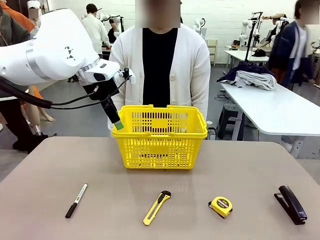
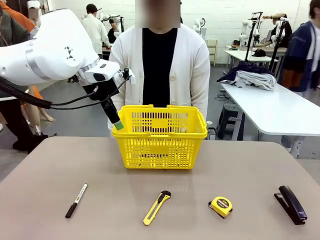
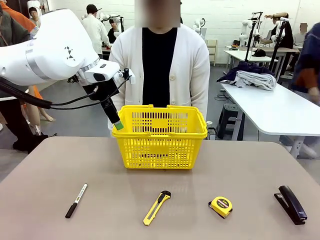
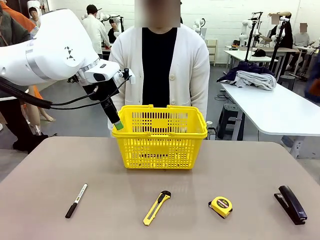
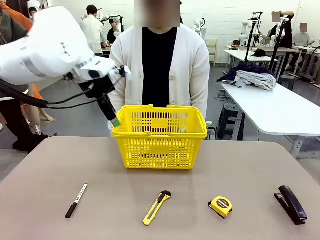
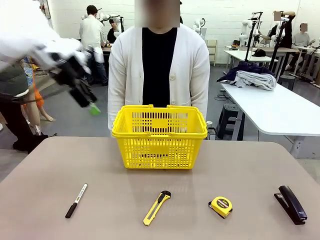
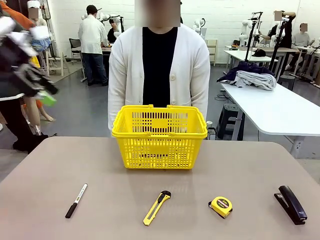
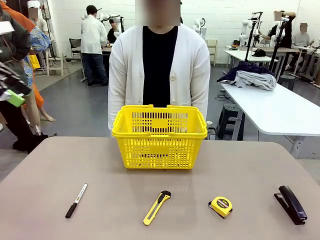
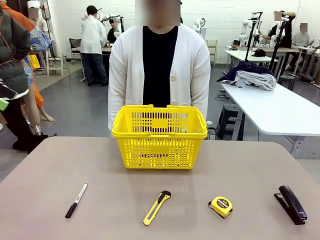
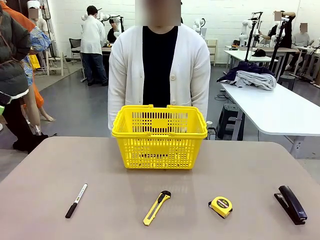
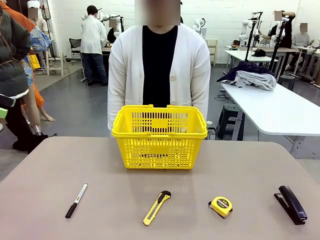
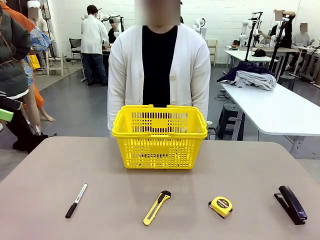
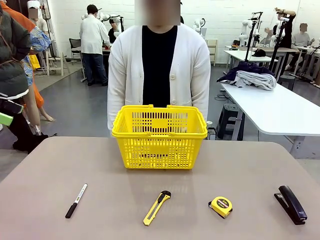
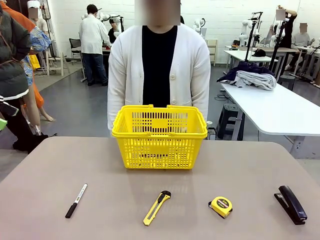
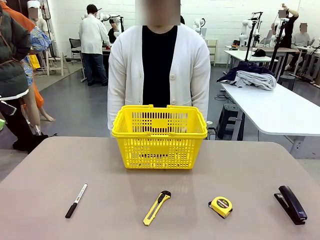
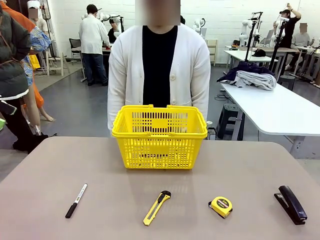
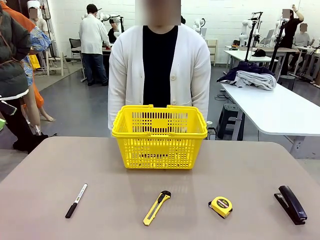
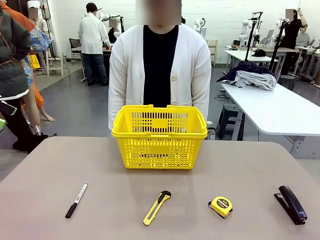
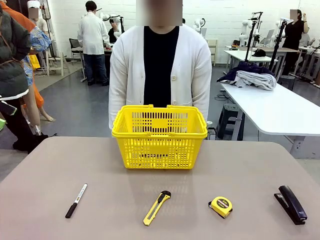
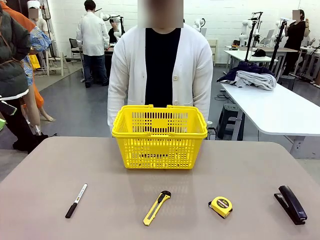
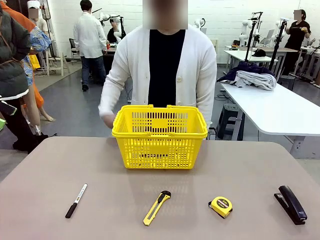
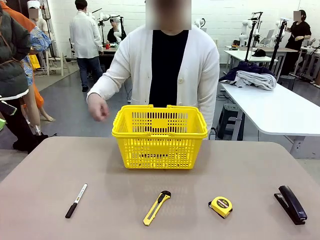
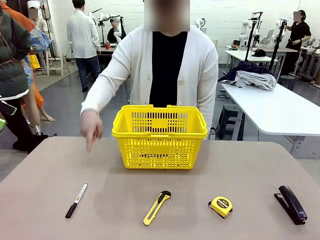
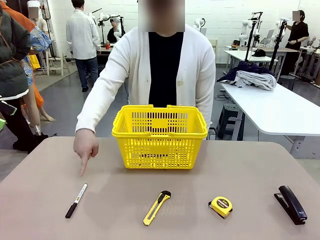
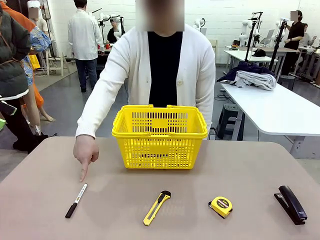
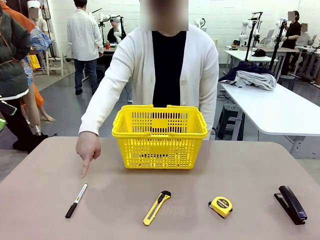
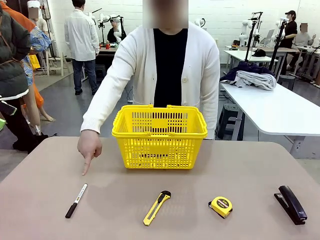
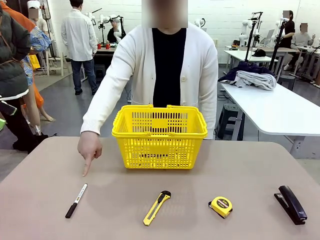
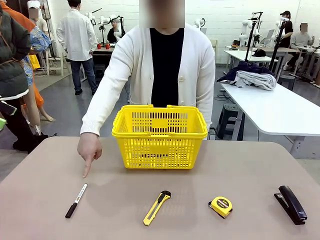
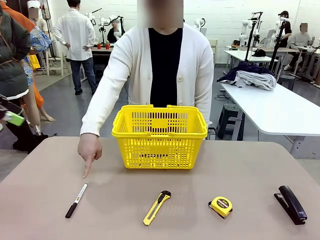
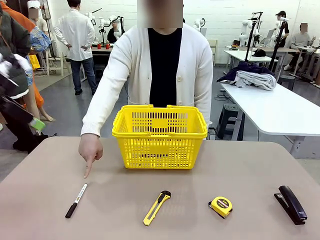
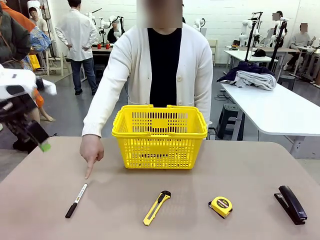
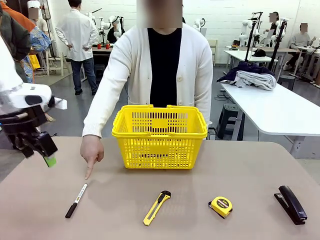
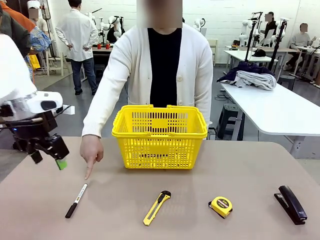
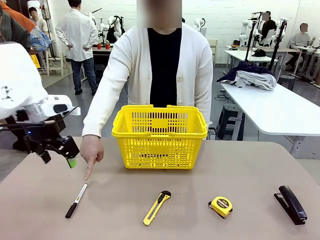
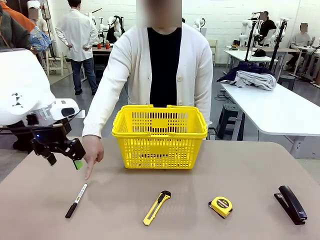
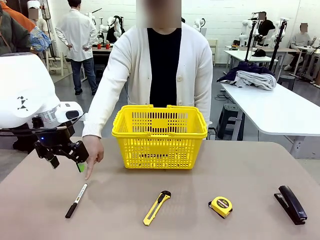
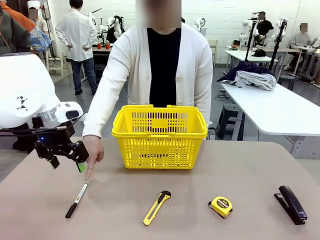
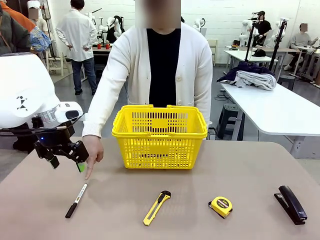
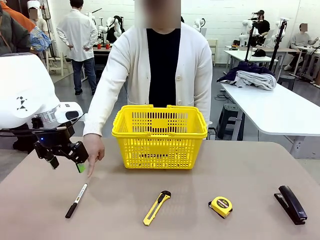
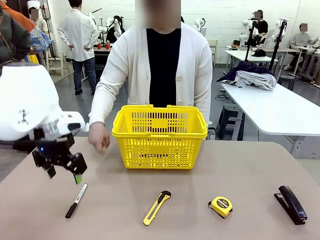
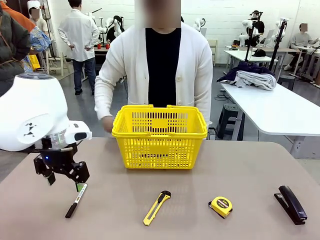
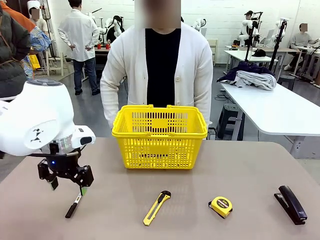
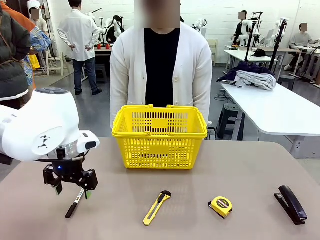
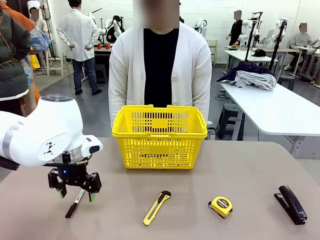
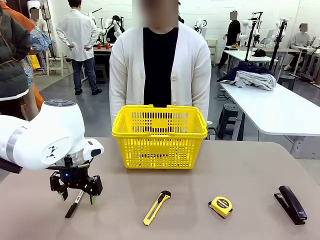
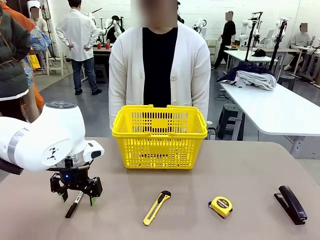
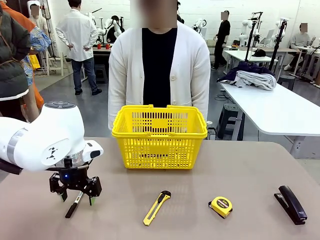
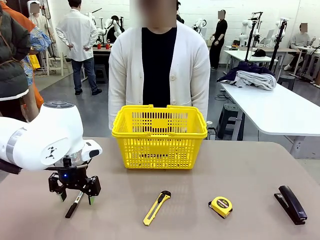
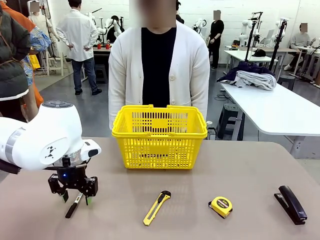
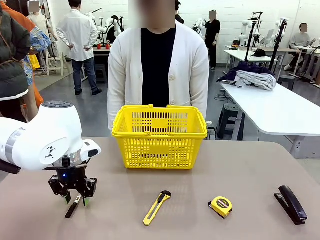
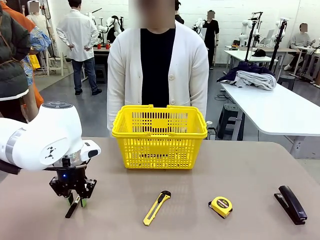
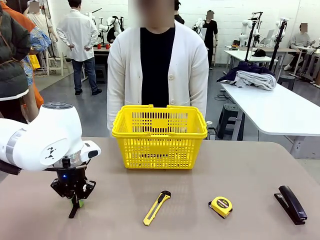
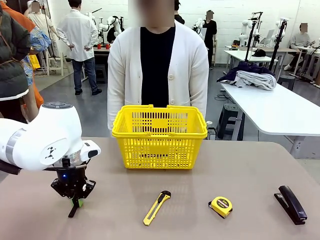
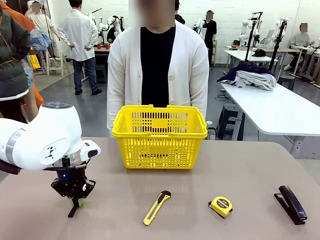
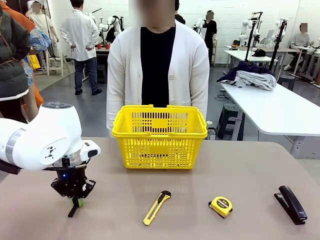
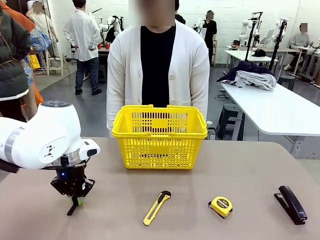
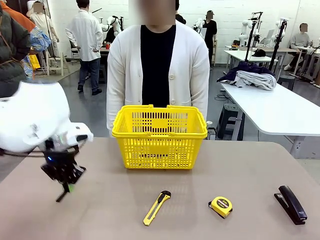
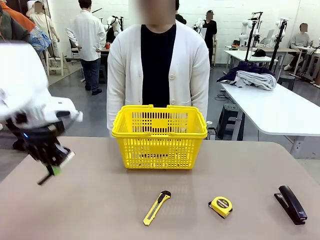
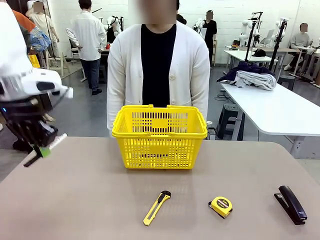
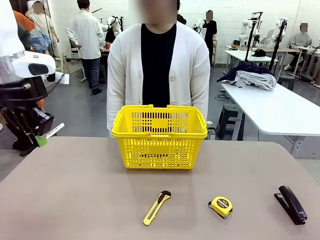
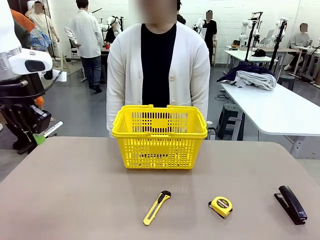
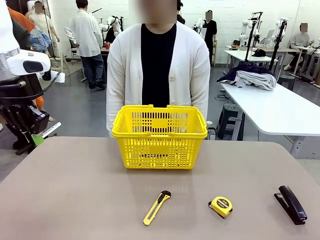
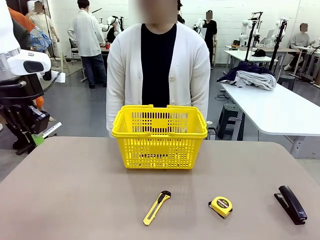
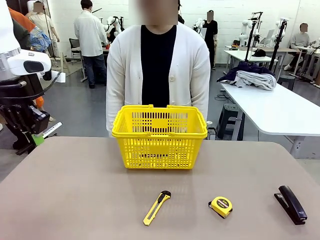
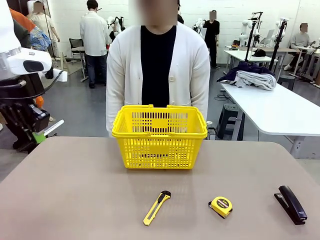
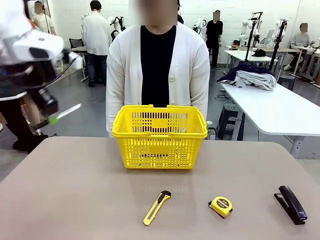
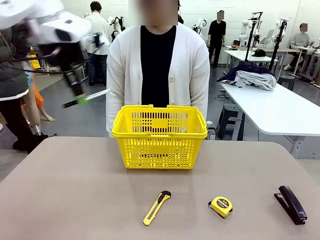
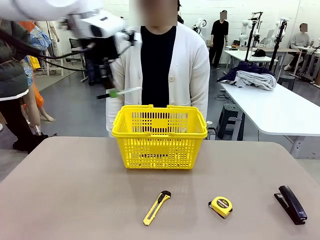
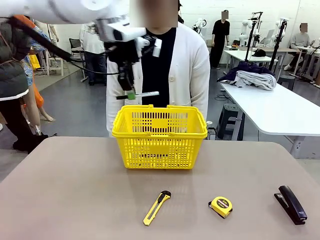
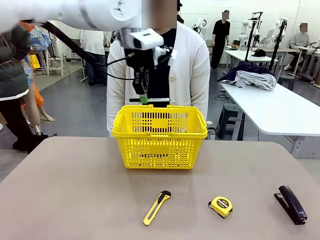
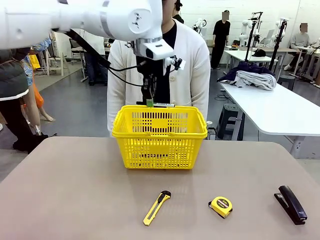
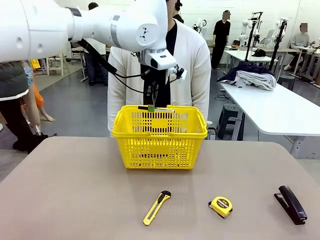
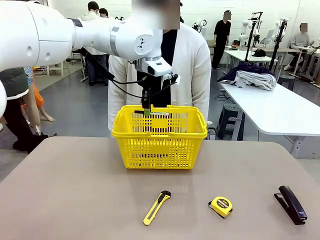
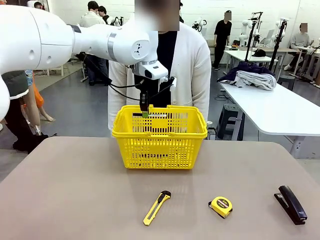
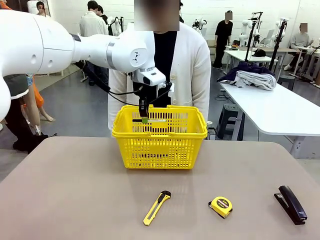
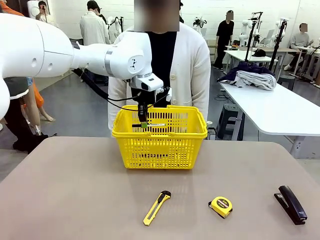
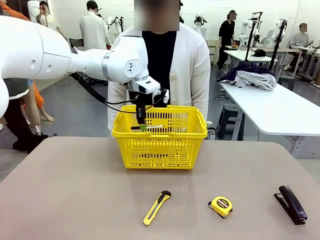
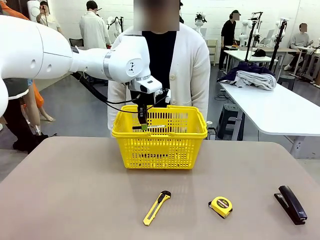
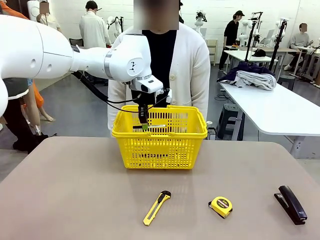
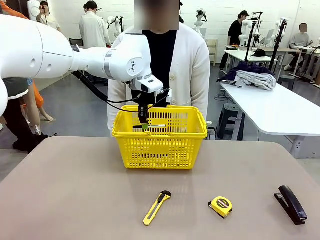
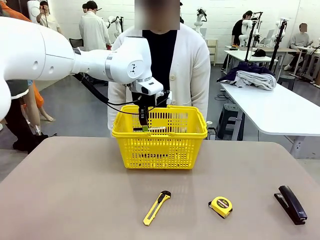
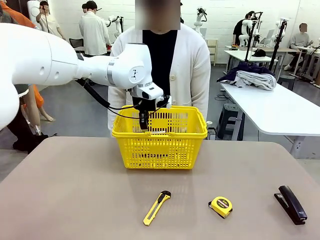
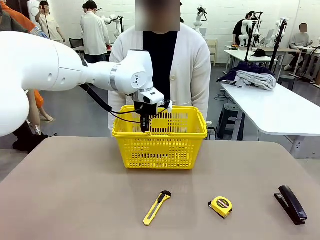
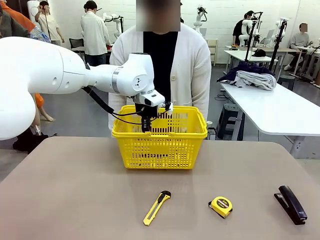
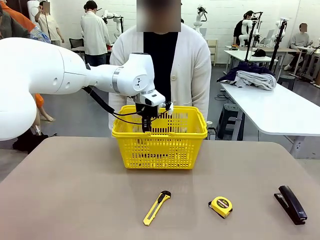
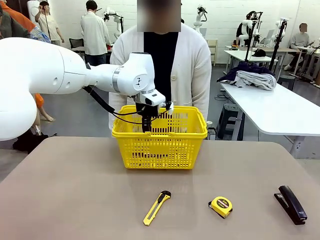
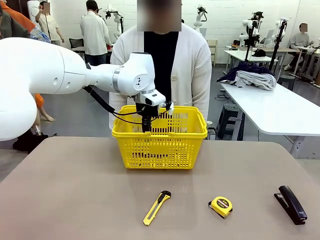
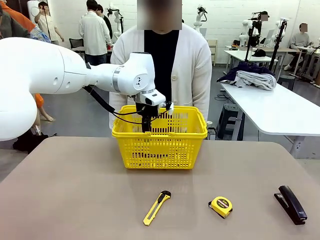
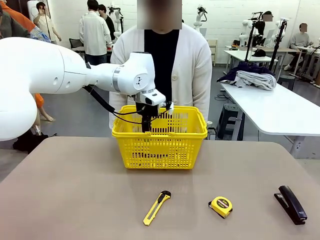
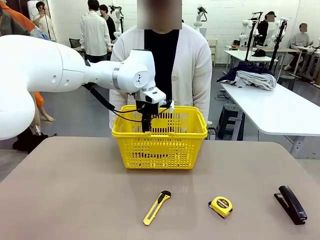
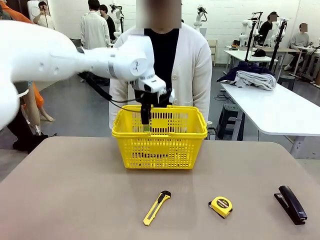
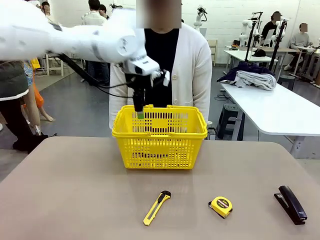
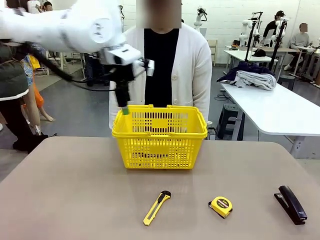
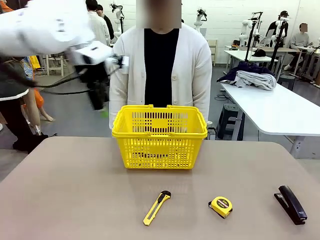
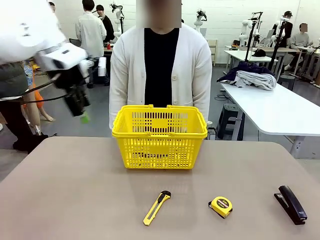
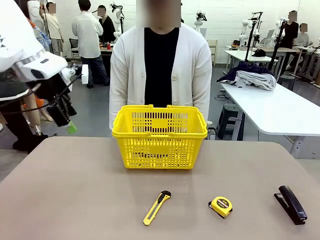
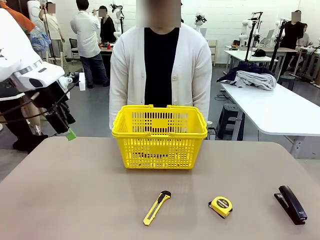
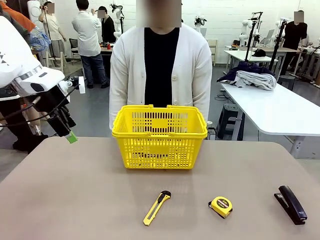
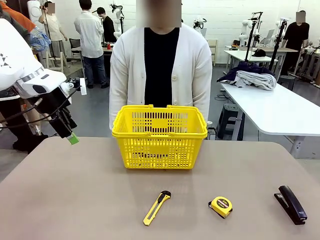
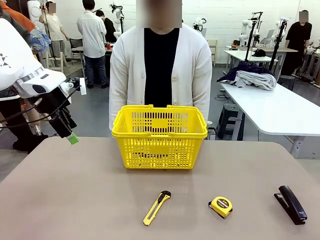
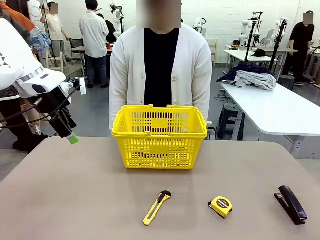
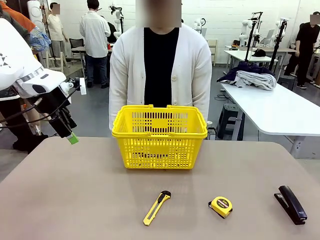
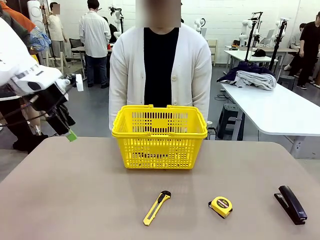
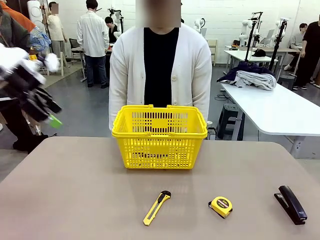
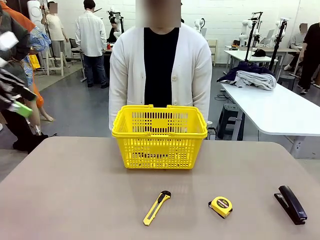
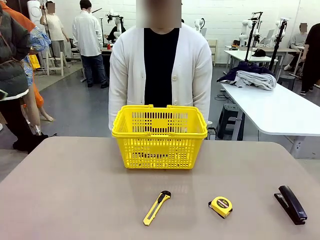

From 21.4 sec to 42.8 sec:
Task: Place the items the person wants into the basket.
Robot: Pick up the item the person points to and place it in the Market Basket.
